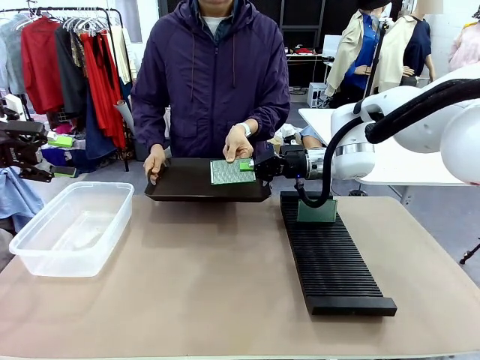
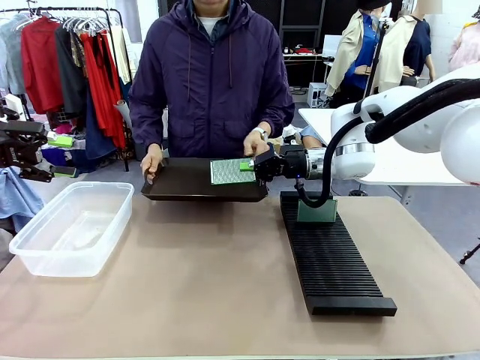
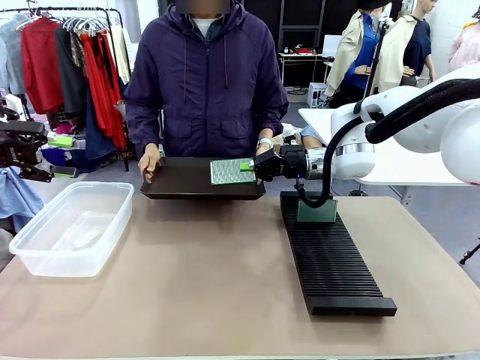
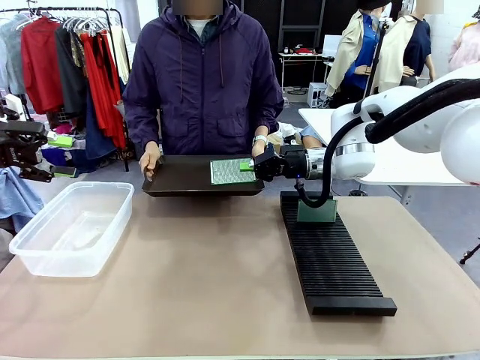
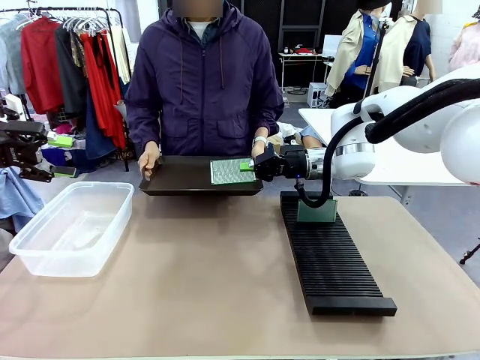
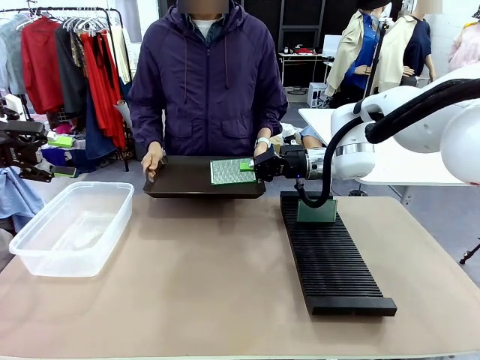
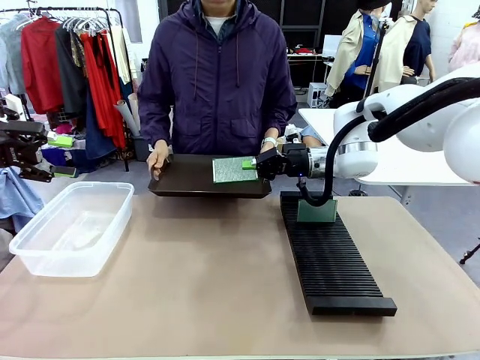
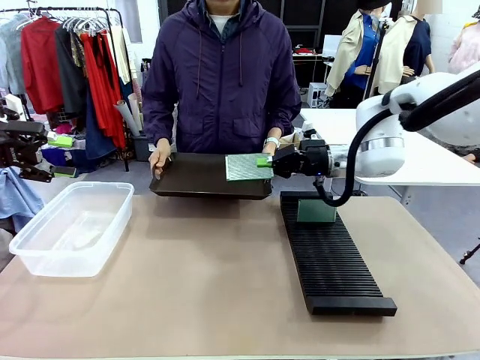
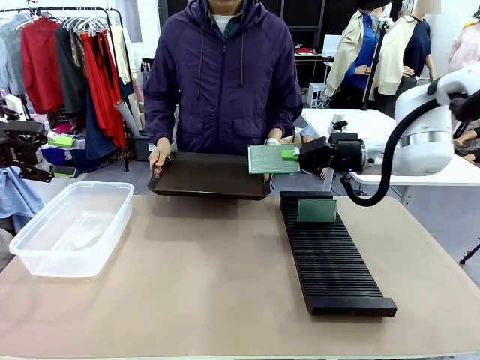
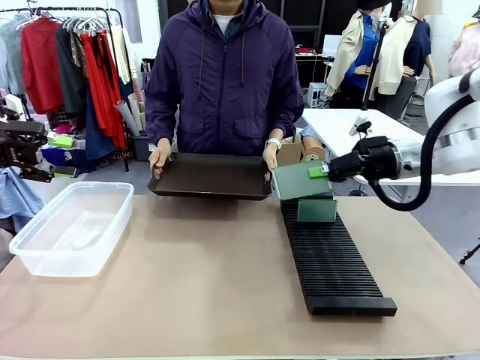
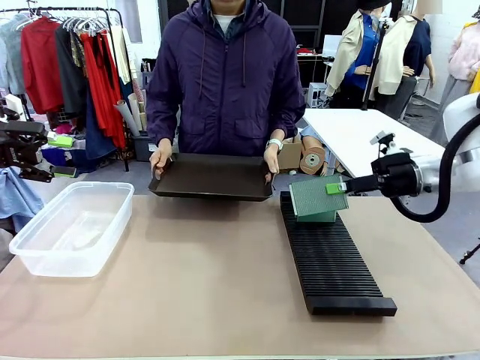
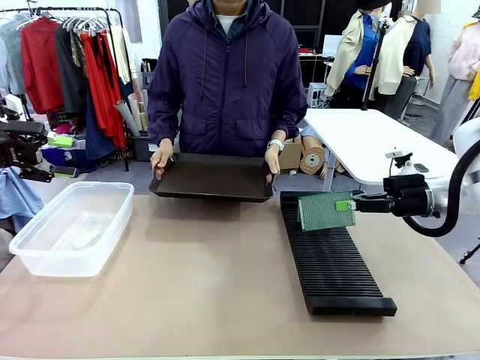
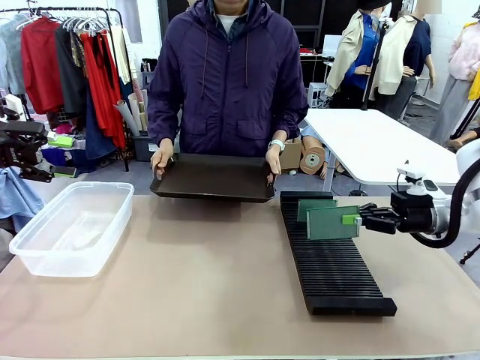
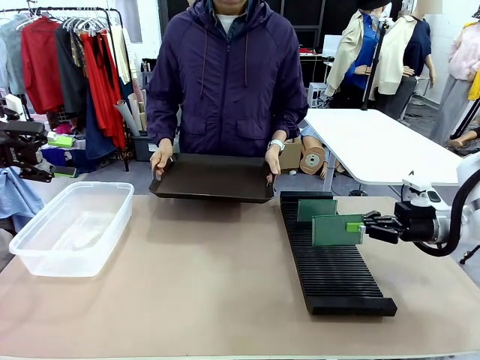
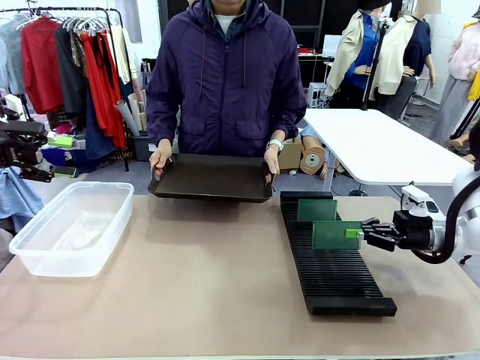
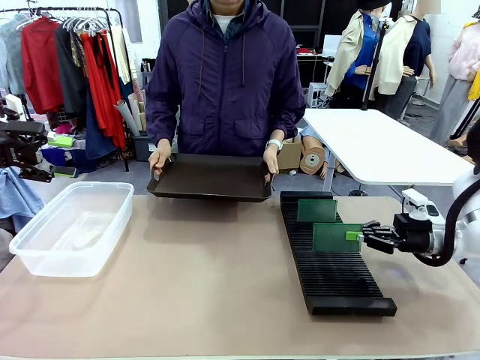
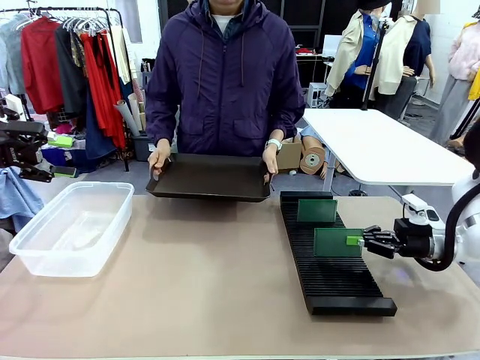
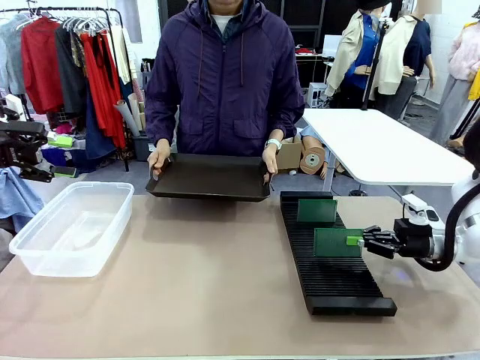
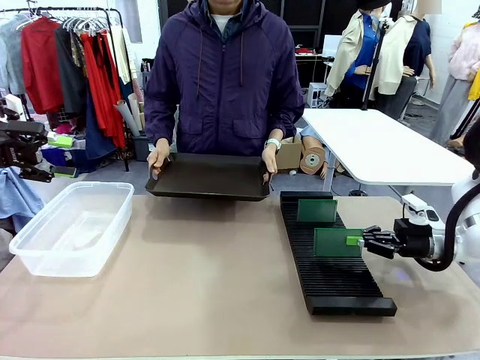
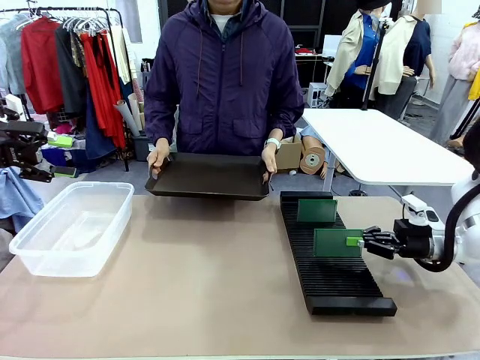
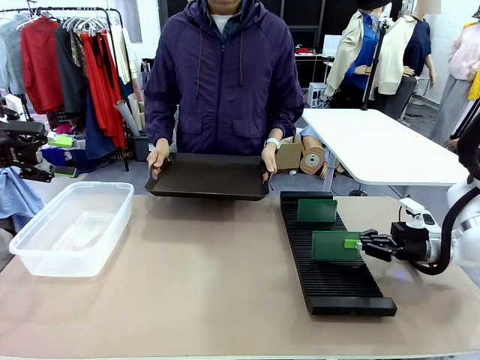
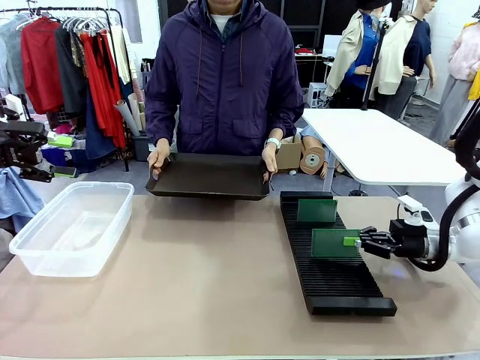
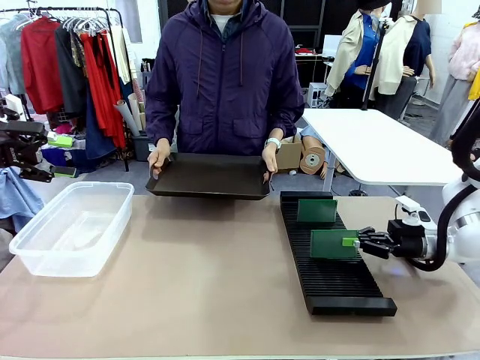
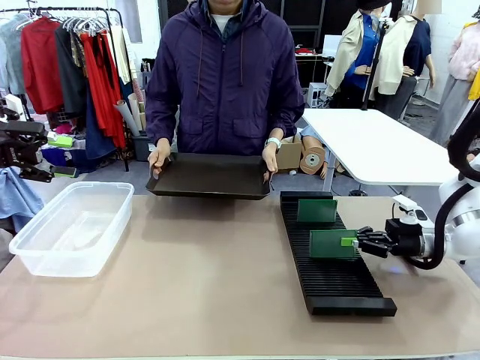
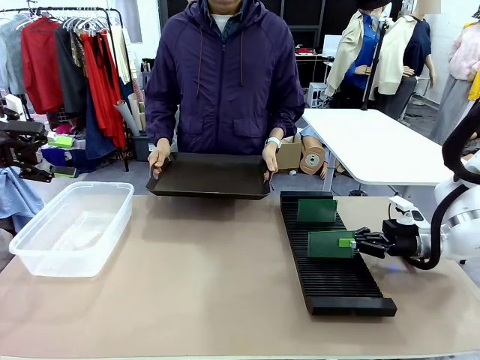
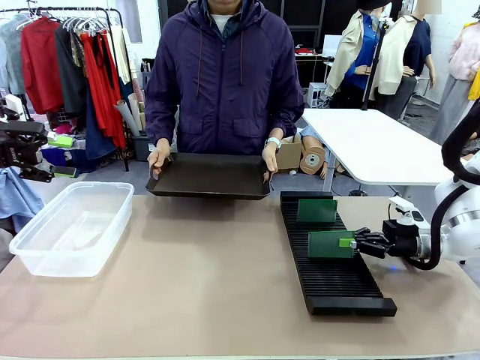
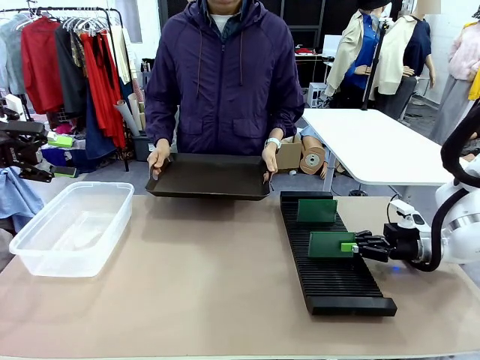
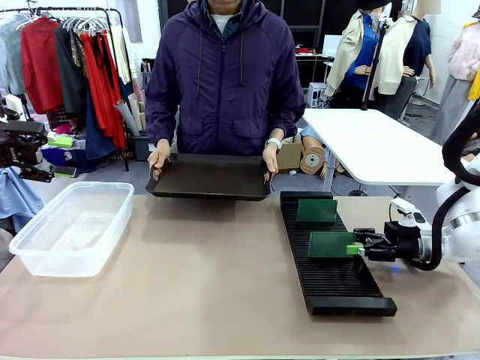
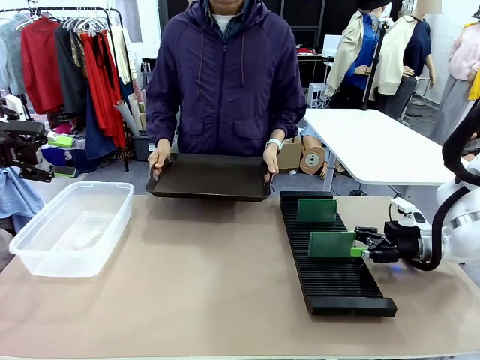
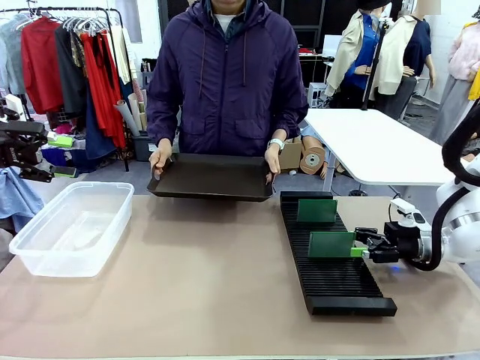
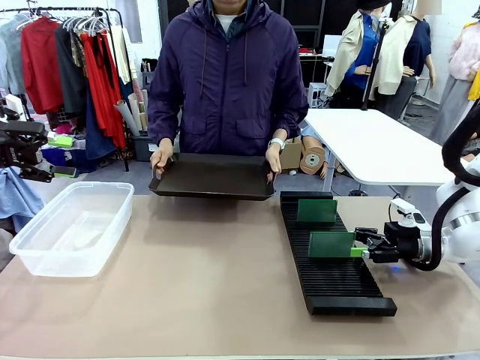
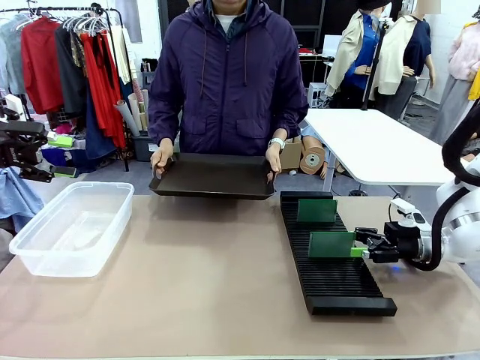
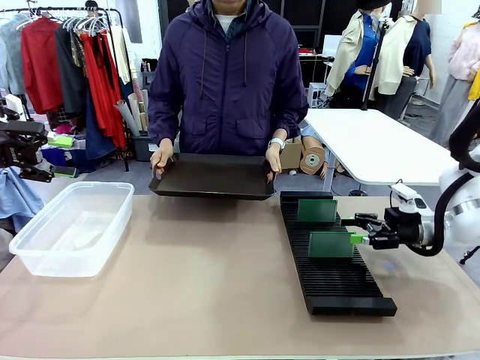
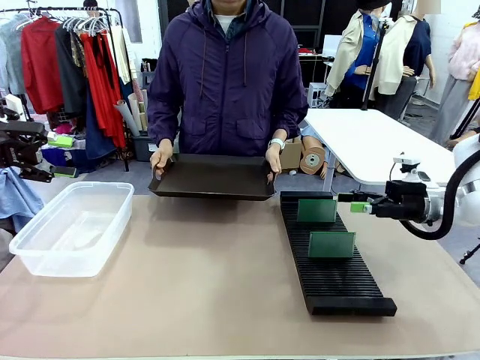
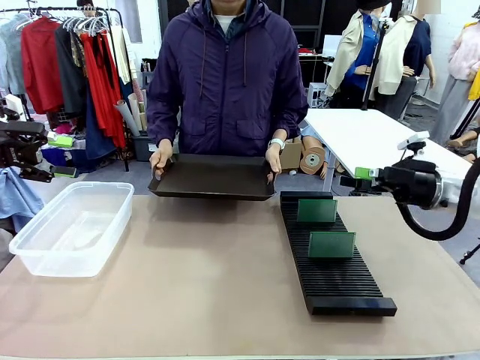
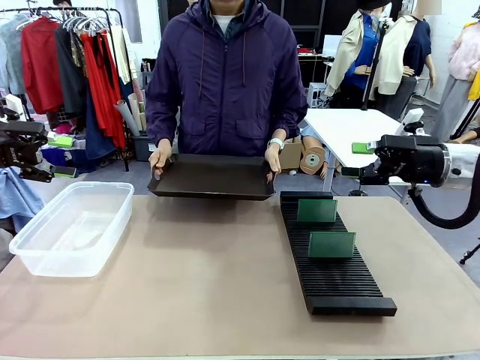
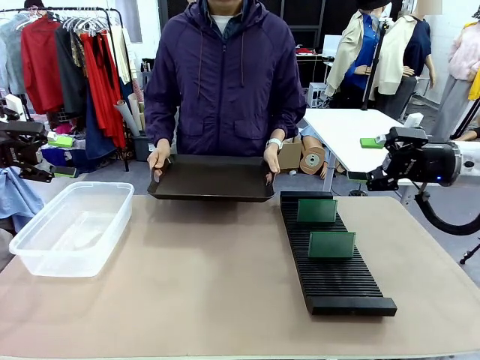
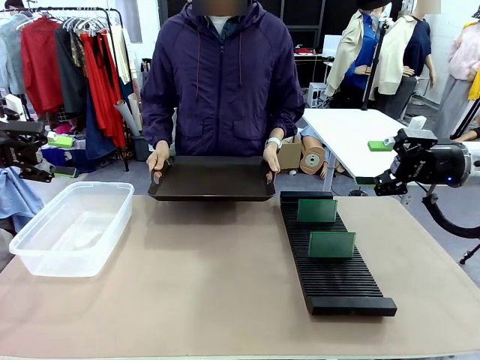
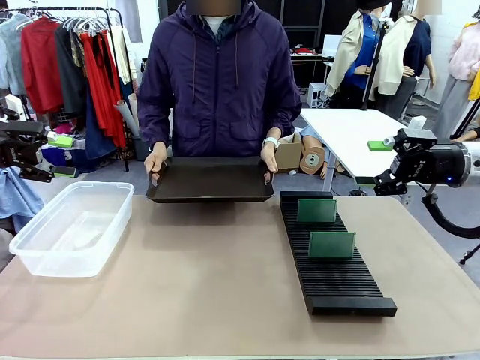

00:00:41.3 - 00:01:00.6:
Task: Sort PCBs into racks and boxes based on the side picked up.
Robot: If the short side of the Blank PCB is picked up, insert it into the PCB Rack ; if the long side is picked up, place it in the Organizing box.
Person: Release the PCB being held.
